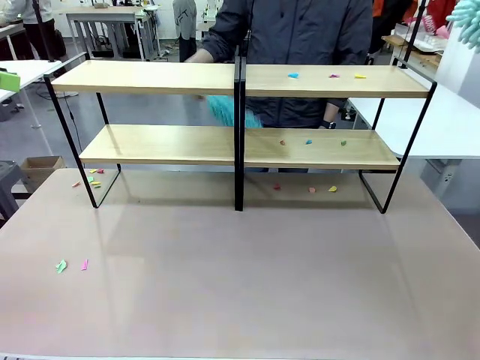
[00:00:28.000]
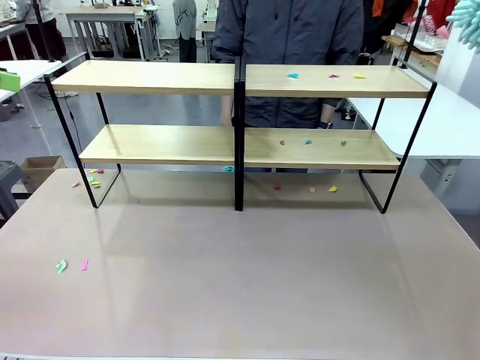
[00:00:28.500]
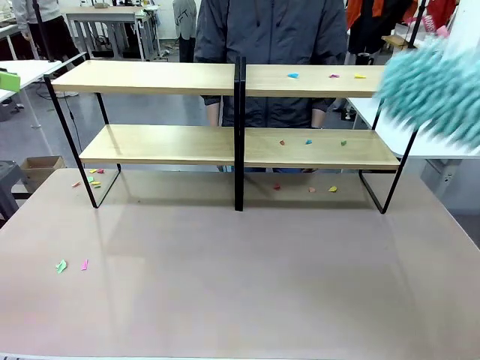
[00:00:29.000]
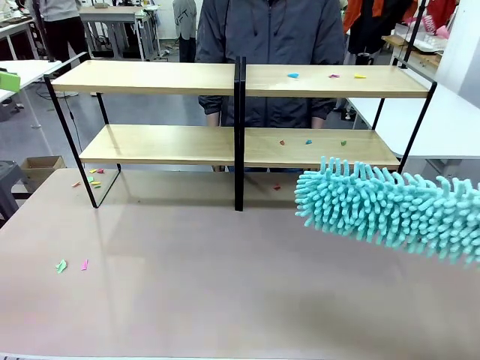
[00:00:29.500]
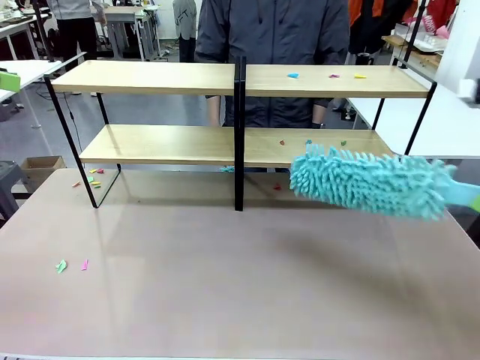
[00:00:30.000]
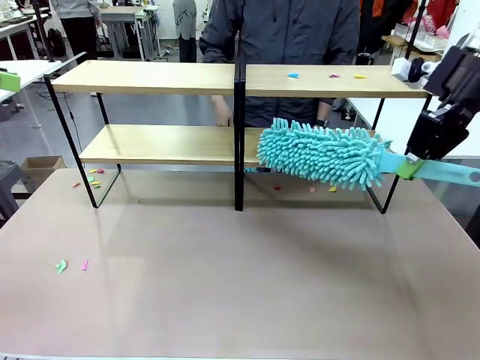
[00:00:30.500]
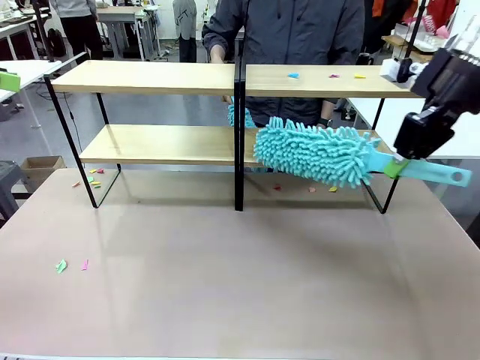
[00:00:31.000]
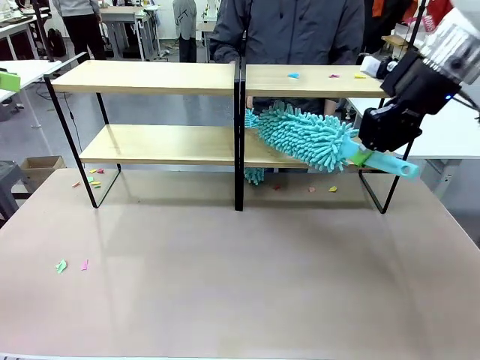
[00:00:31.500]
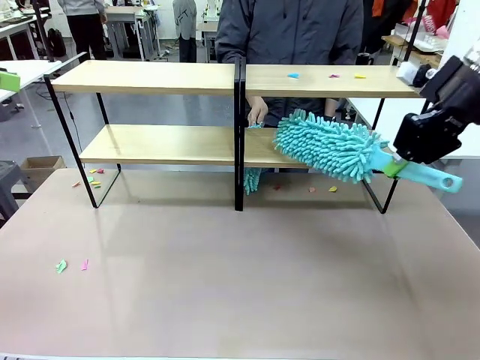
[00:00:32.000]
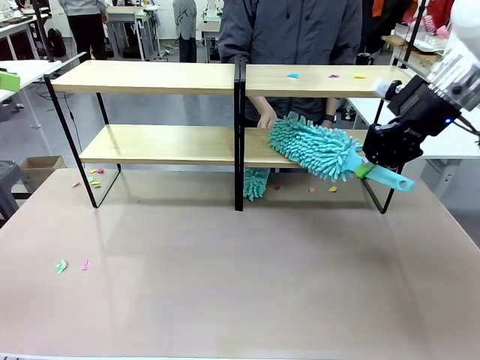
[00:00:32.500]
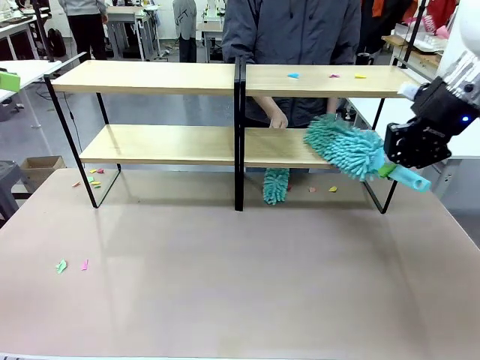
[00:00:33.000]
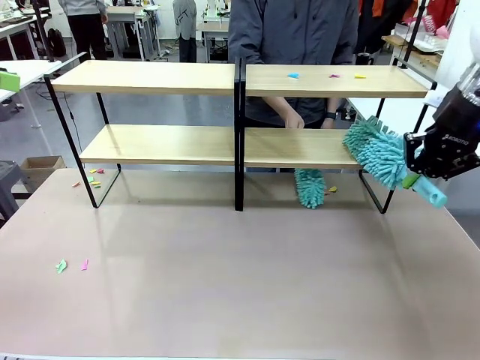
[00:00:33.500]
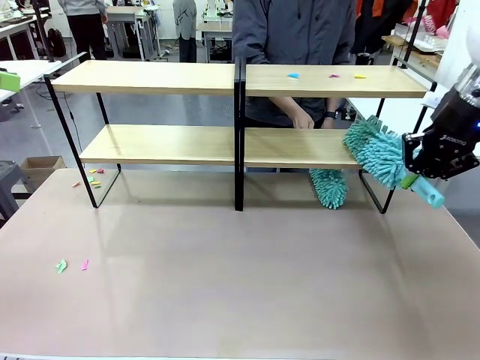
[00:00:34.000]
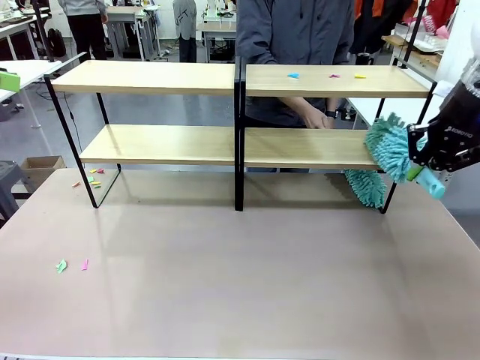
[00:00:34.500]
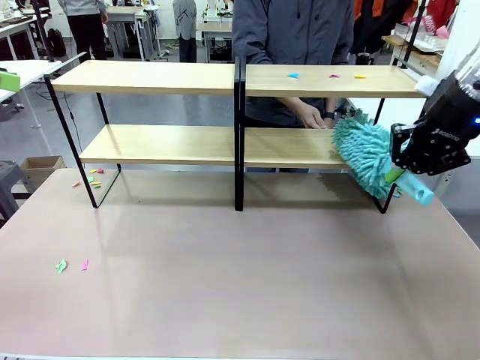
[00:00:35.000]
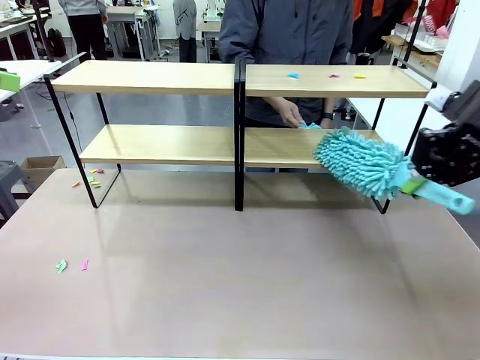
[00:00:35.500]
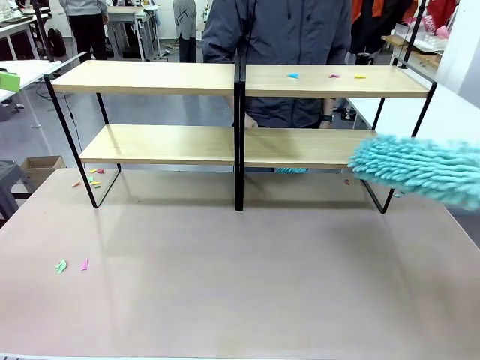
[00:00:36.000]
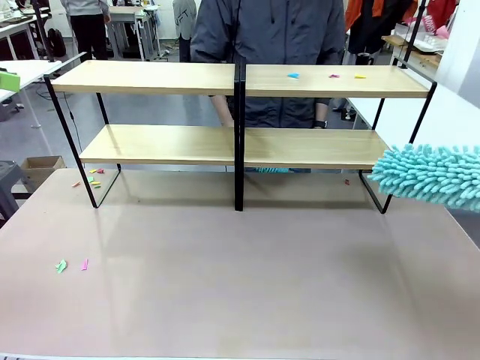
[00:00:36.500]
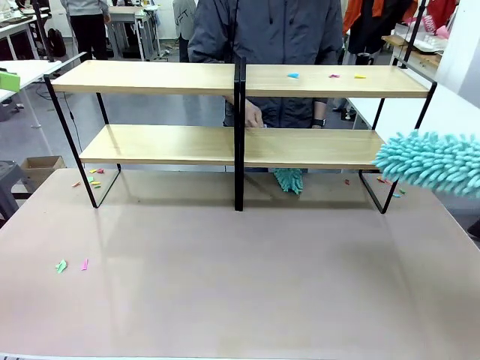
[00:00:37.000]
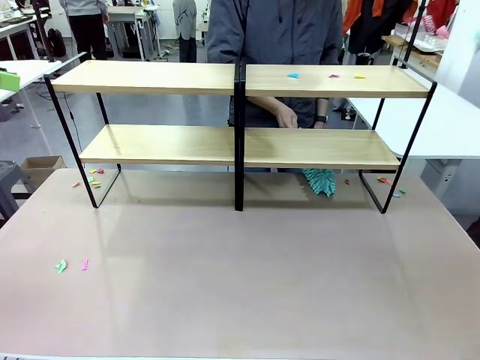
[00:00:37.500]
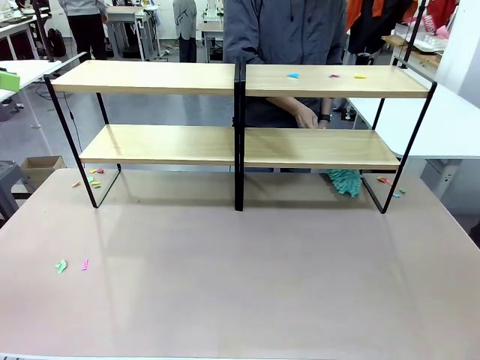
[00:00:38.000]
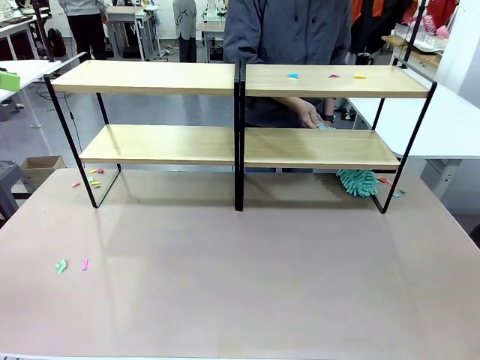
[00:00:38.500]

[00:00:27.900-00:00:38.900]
Task: Clean the shelves.
Robot: Clean another randomly selected level of the Shelf with the Duster.

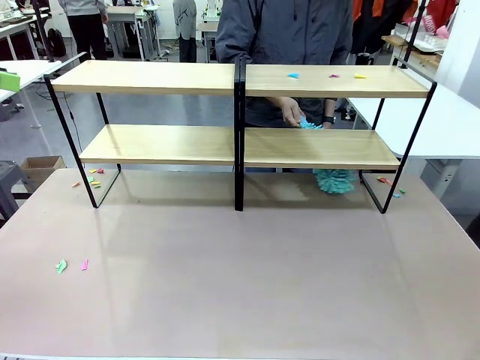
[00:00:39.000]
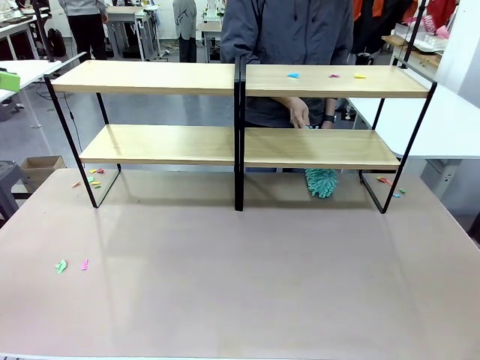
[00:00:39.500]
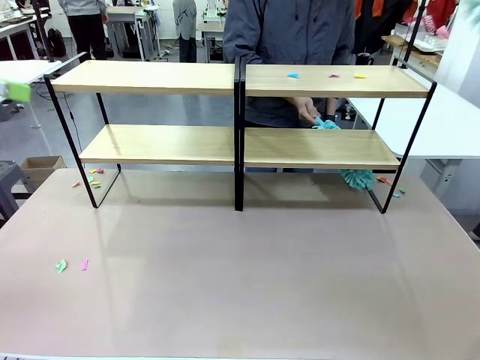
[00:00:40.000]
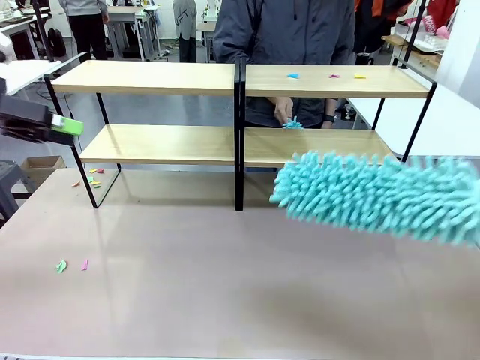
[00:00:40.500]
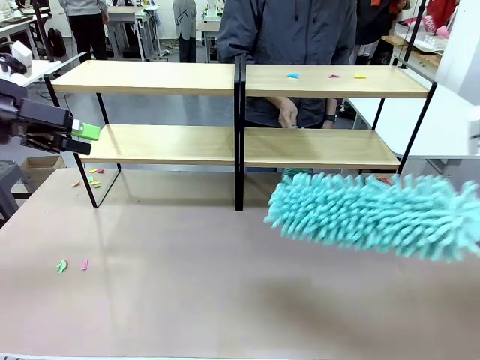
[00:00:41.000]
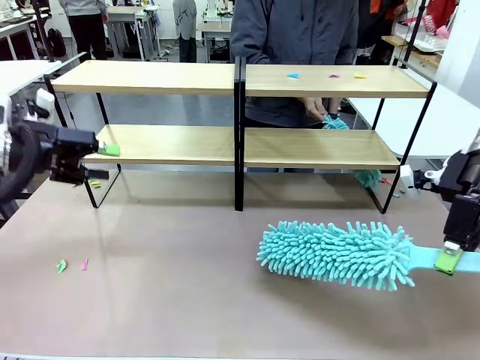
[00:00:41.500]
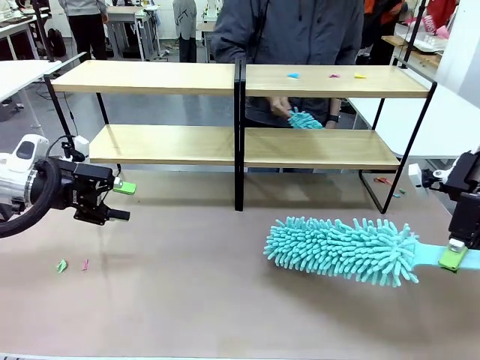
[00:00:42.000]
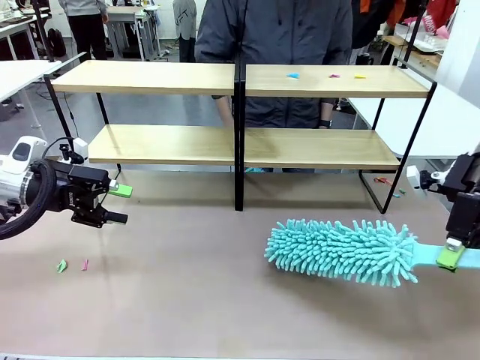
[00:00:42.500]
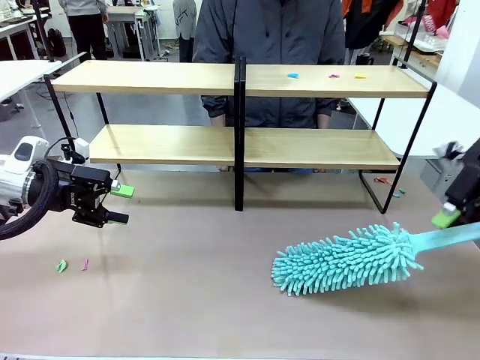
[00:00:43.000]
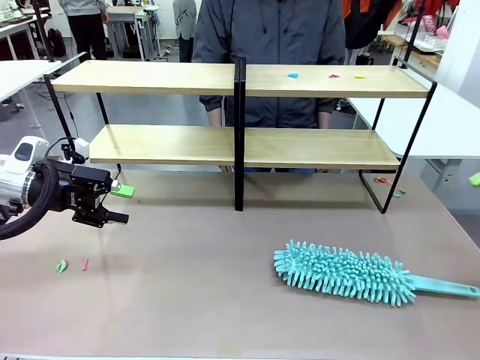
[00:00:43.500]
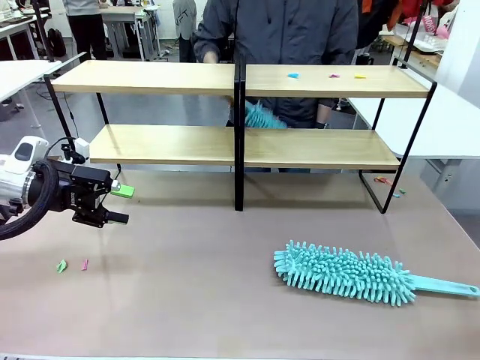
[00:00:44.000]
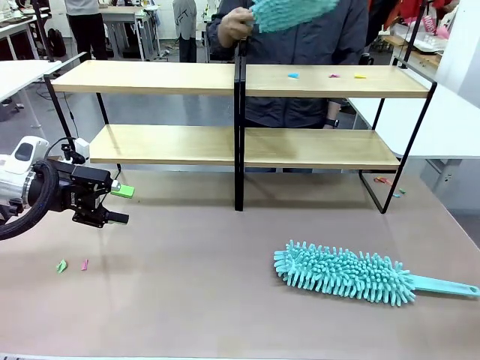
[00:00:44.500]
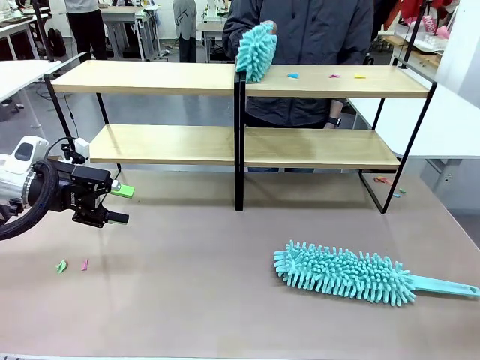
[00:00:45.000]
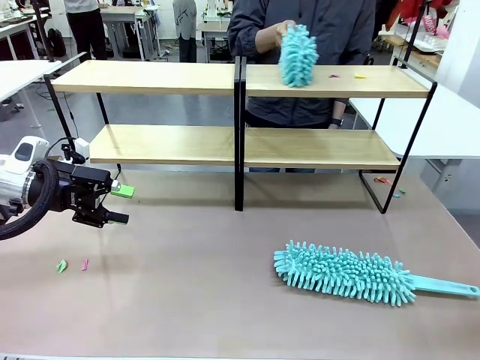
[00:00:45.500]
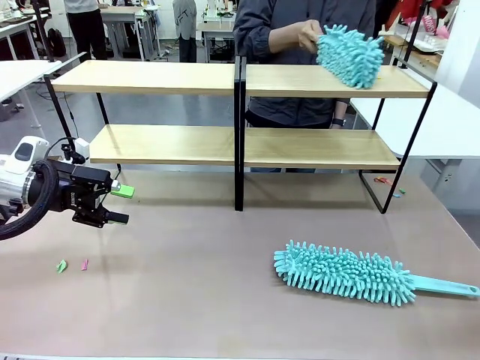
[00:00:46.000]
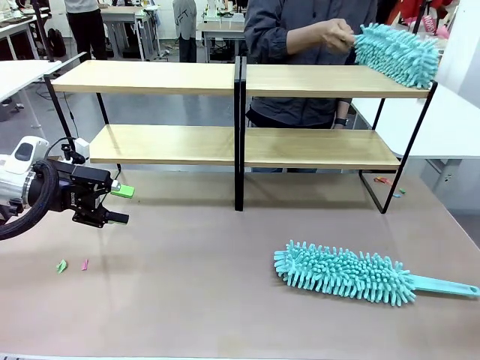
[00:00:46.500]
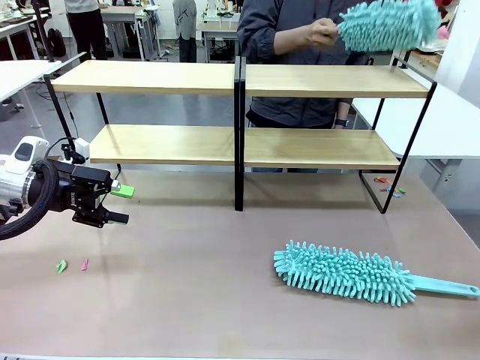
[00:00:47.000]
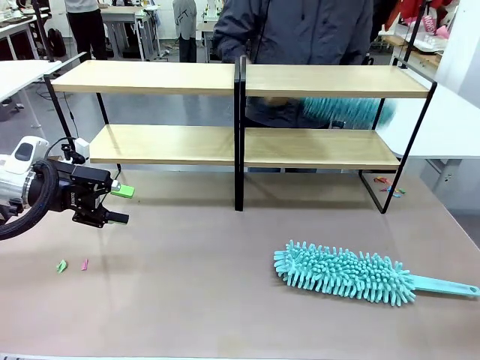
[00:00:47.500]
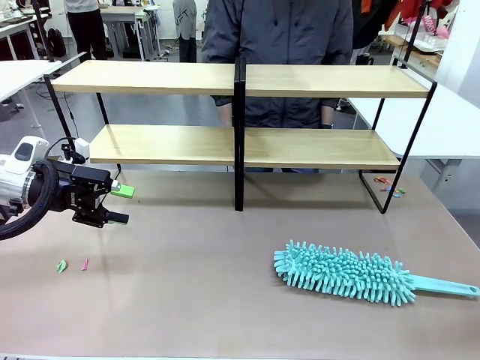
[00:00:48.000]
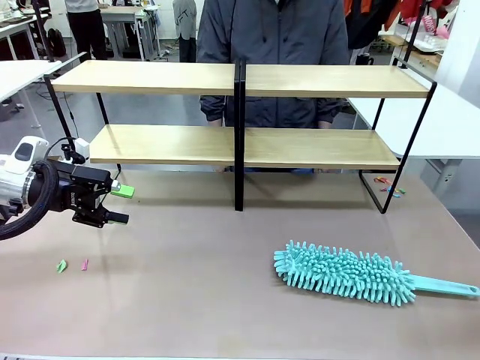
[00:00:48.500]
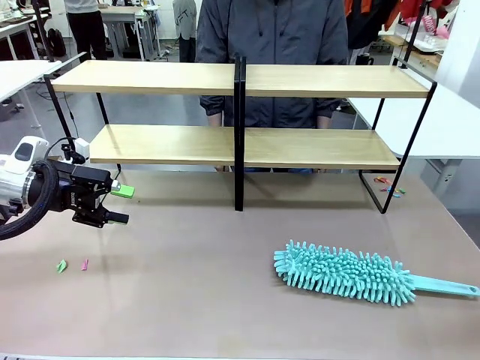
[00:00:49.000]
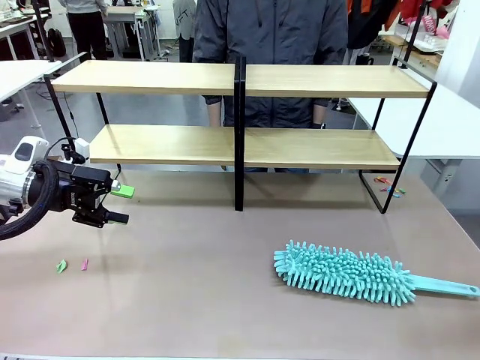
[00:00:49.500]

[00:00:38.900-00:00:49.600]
Robot: Place the Duster on the table.

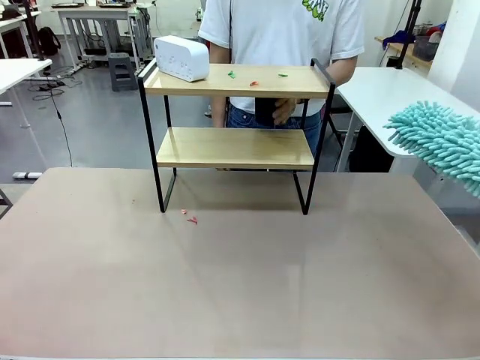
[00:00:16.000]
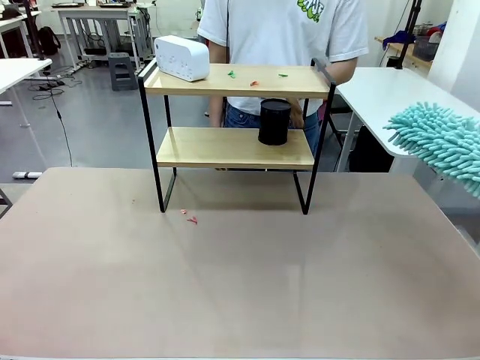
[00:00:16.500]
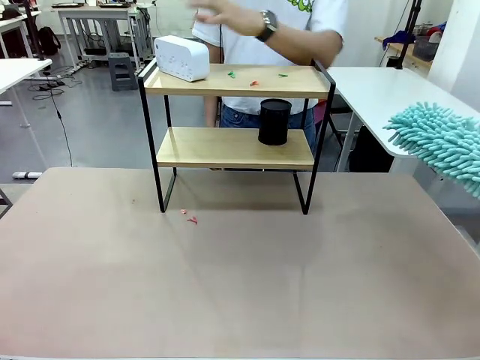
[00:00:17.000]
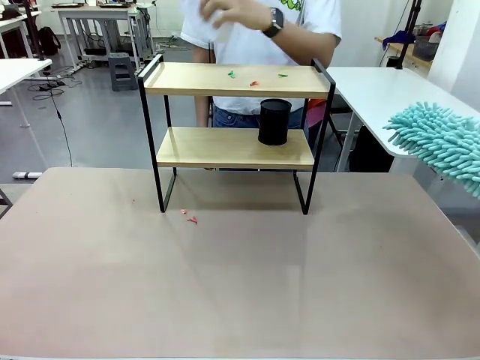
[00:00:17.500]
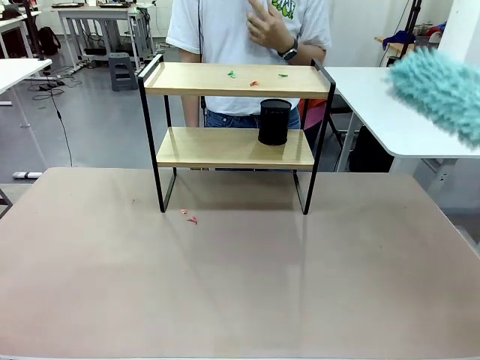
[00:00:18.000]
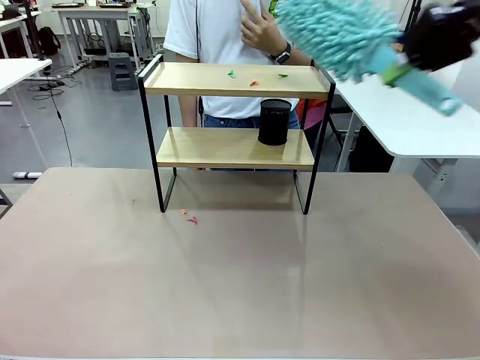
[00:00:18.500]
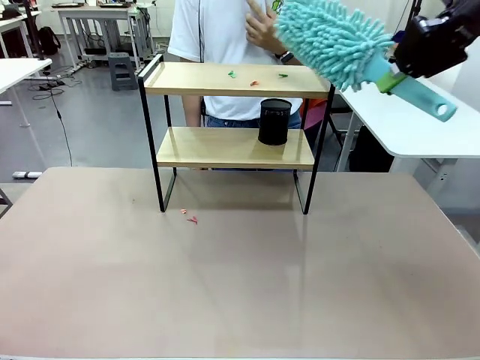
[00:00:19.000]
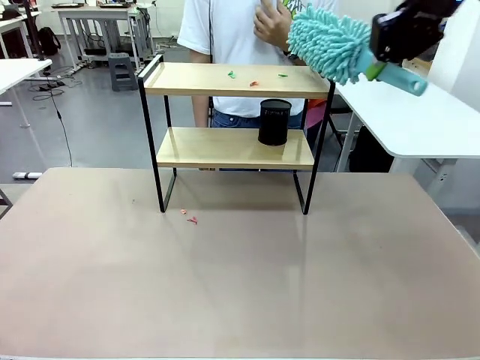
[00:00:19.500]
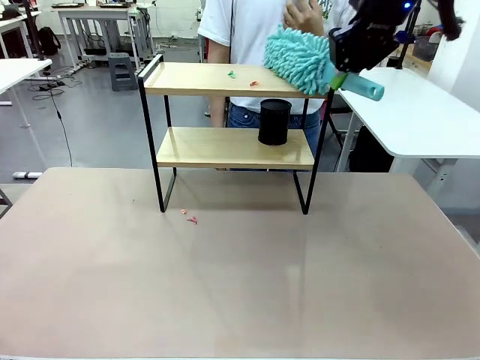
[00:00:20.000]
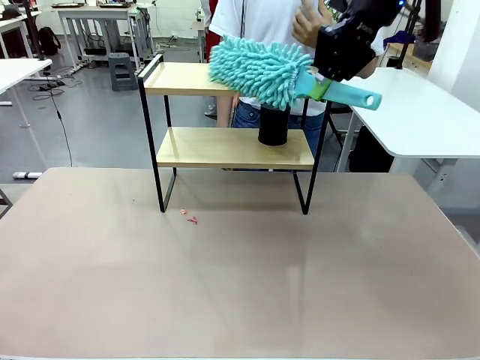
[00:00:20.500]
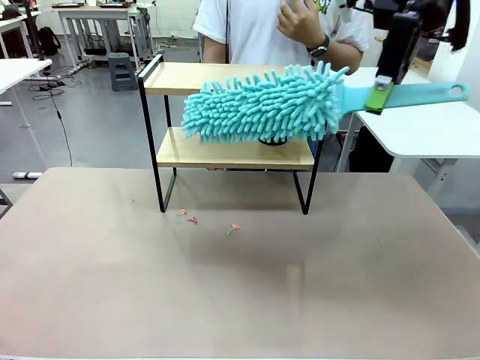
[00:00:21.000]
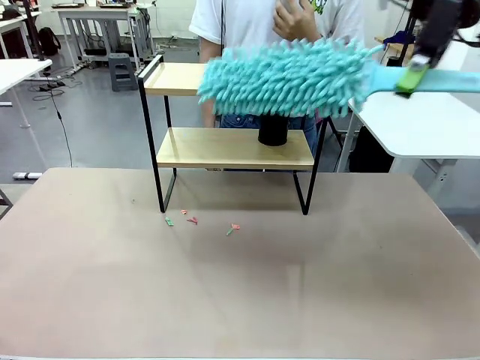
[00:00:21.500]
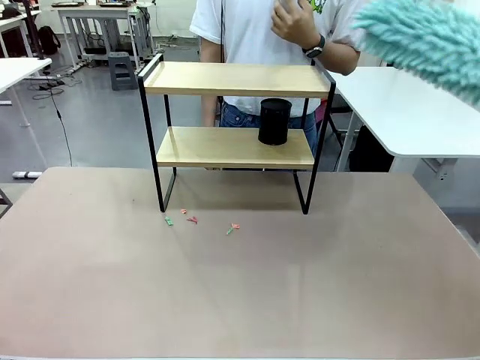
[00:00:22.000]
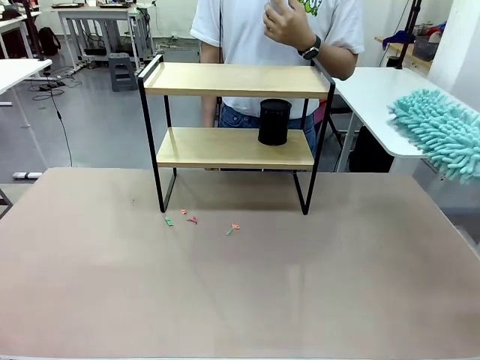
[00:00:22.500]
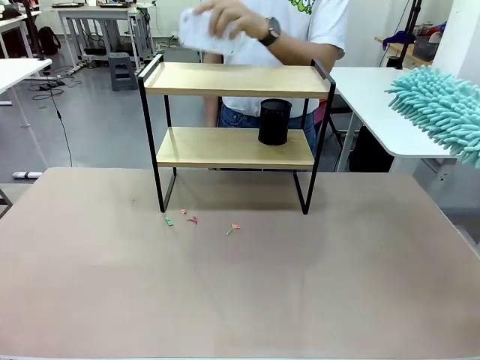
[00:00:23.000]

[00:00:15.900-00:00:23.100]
Task: Clean the shelf.
Robot: Clean the remaining tier of the Shelf with the Duster once objects are removed.
